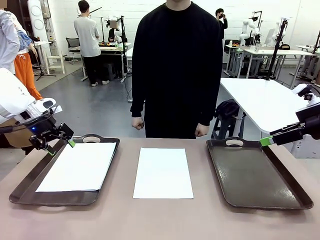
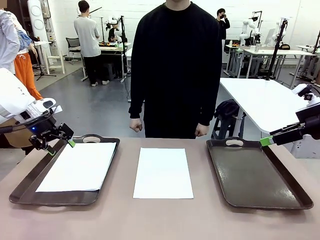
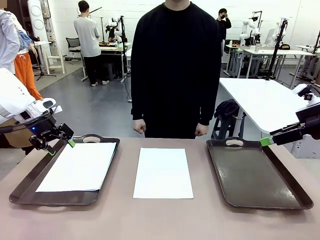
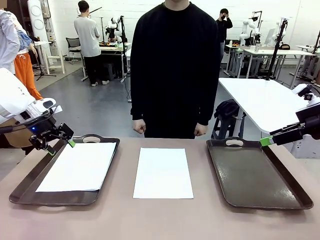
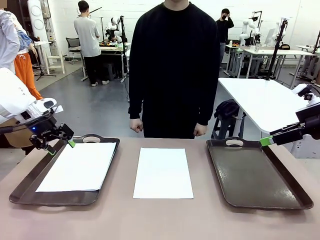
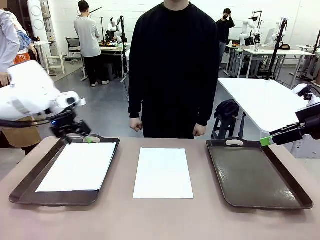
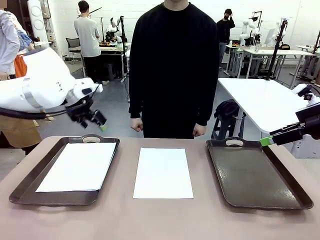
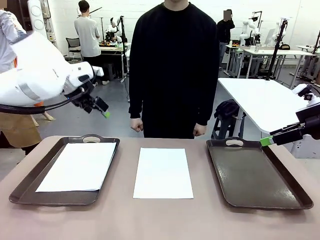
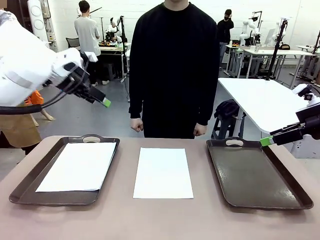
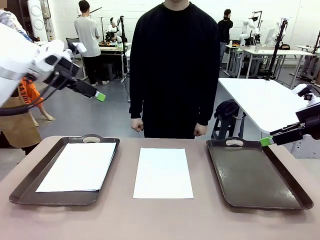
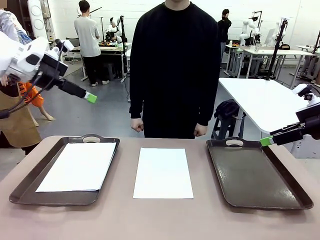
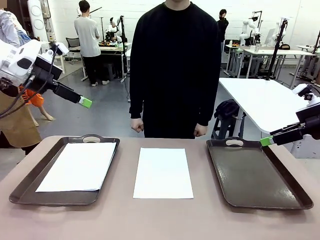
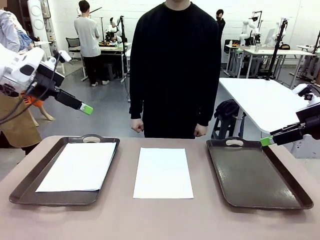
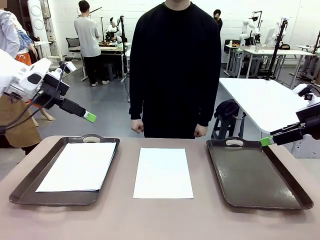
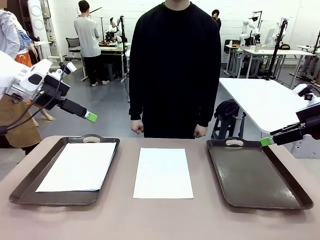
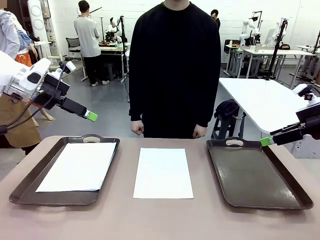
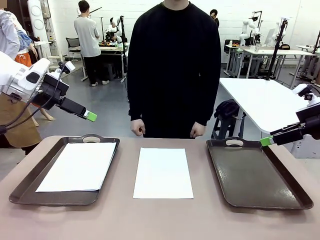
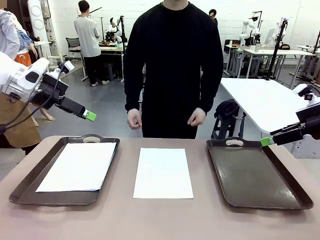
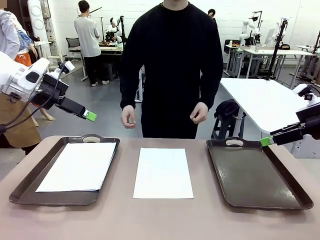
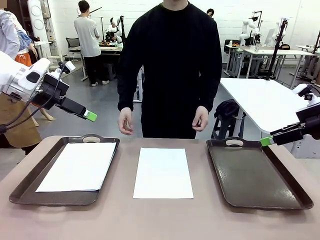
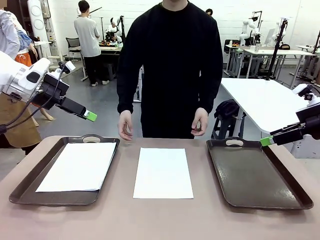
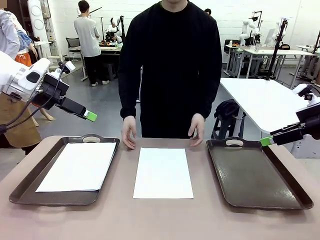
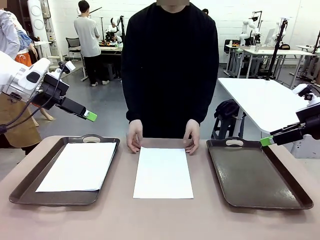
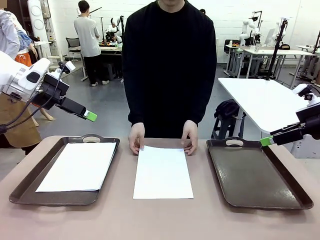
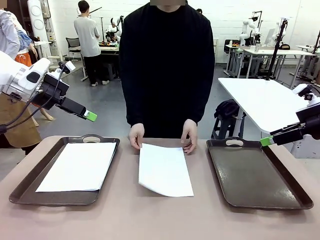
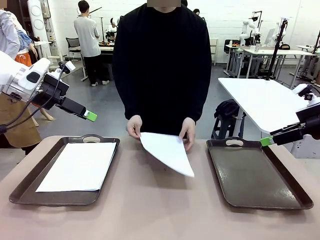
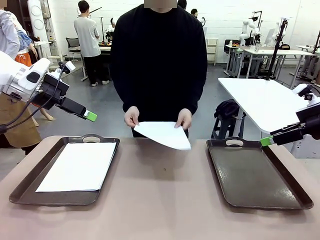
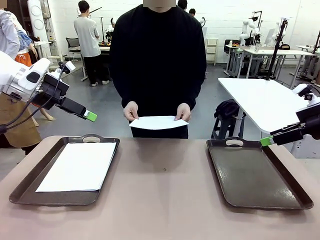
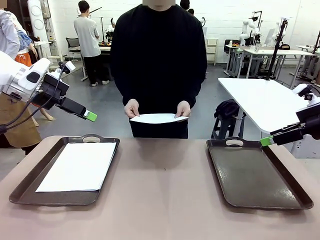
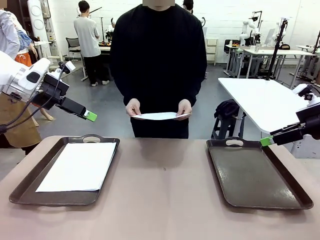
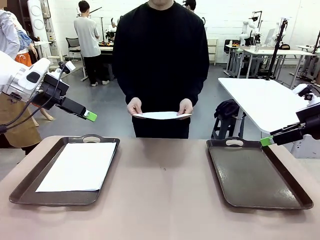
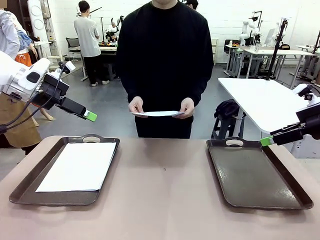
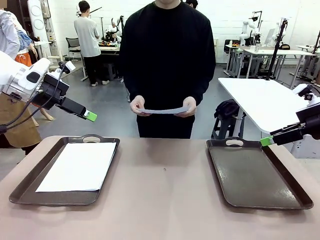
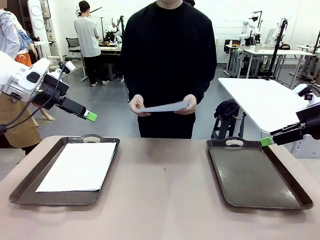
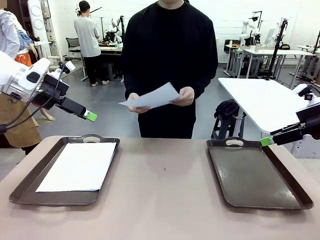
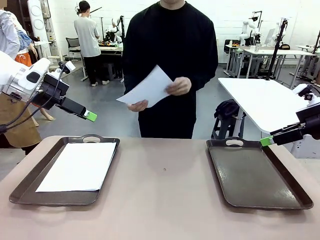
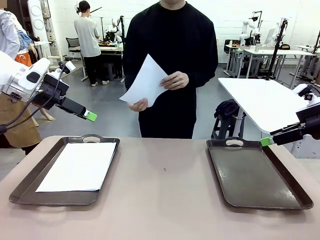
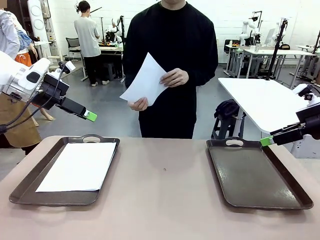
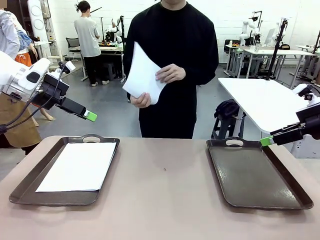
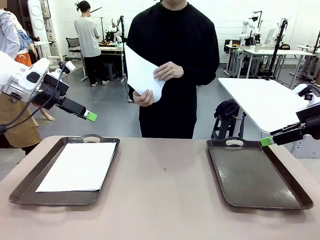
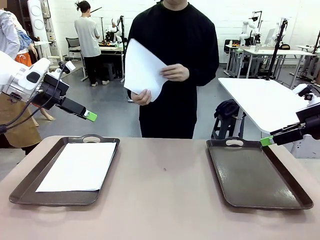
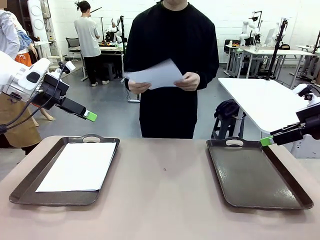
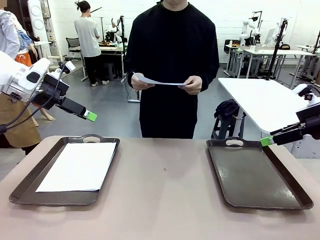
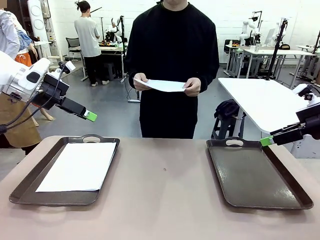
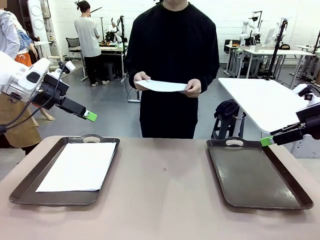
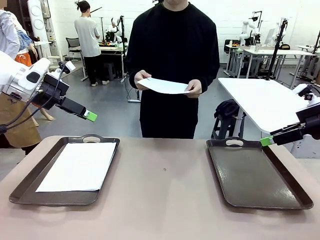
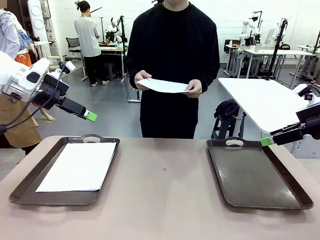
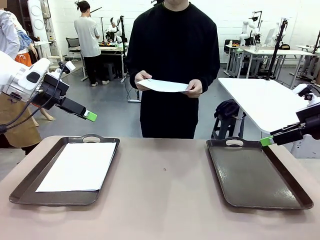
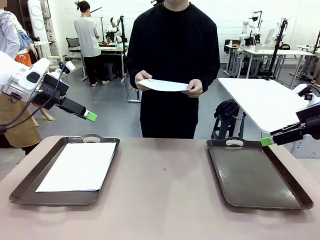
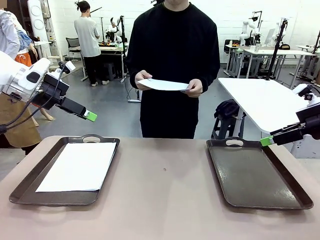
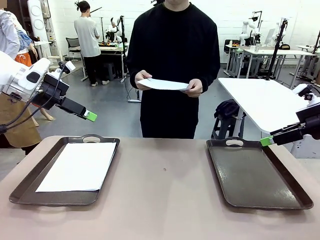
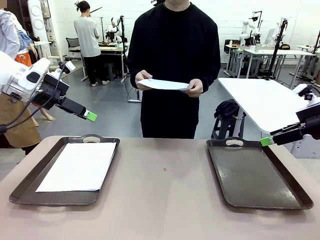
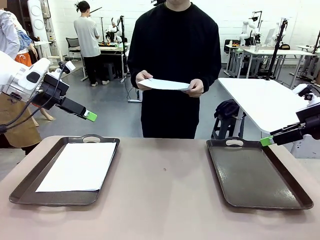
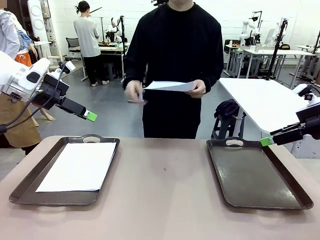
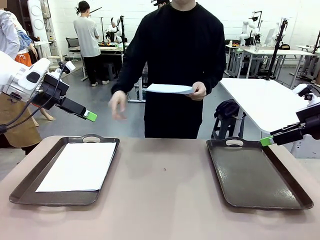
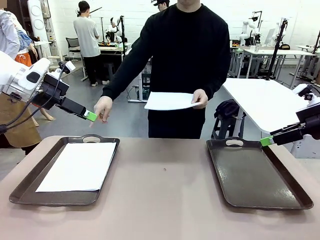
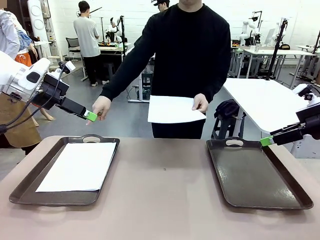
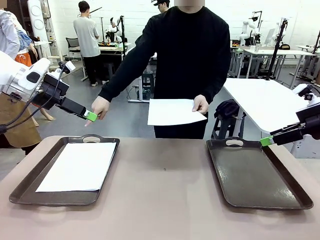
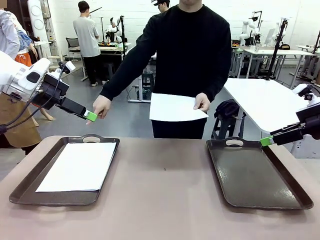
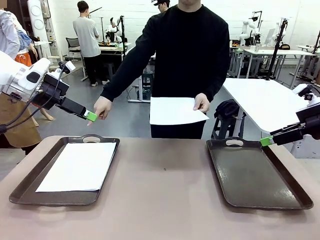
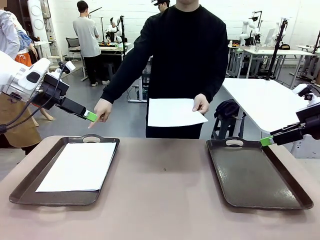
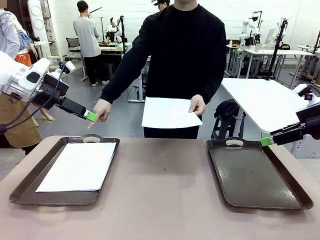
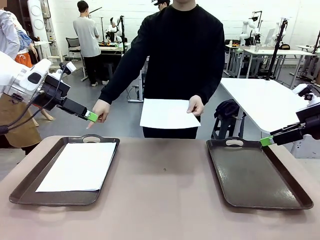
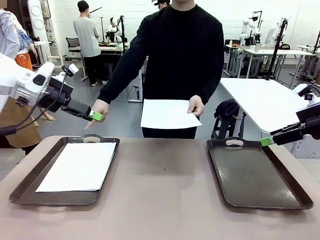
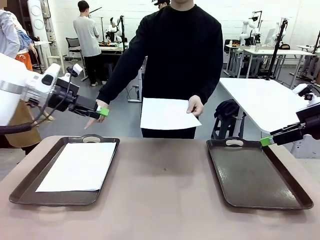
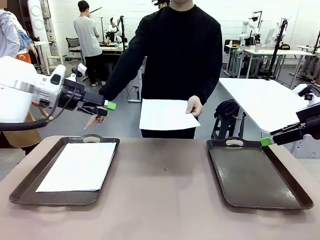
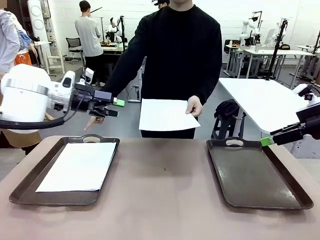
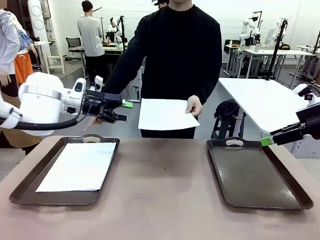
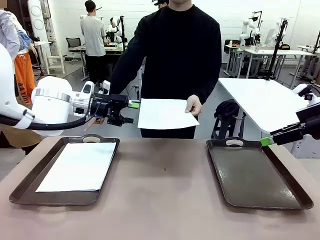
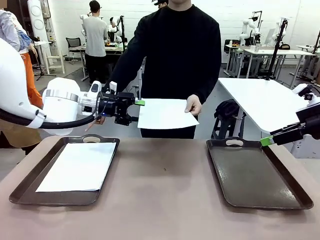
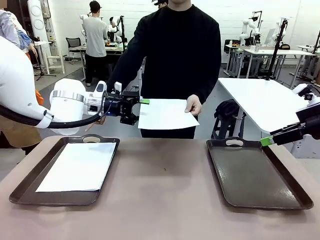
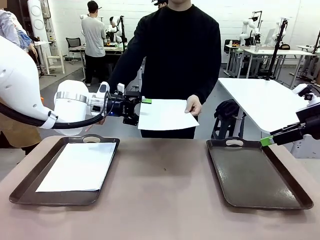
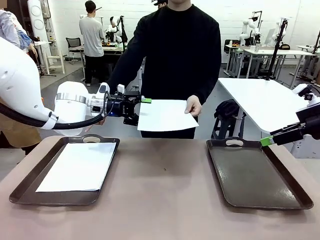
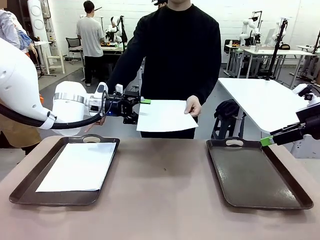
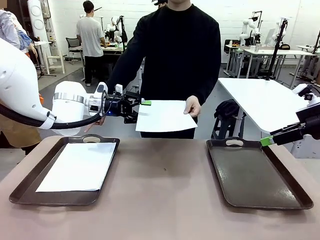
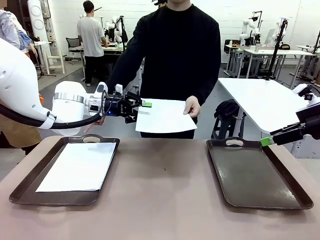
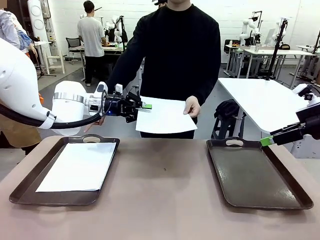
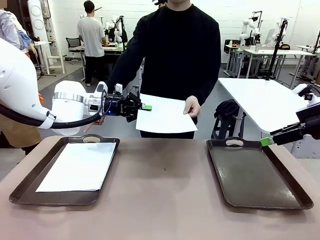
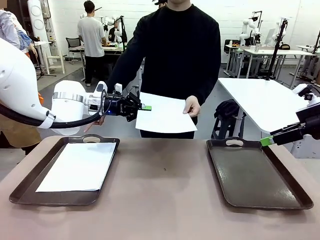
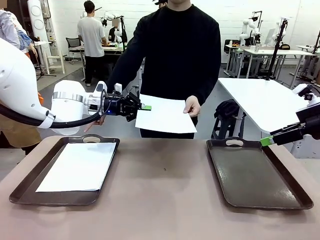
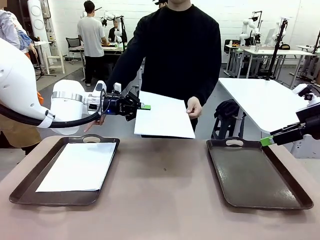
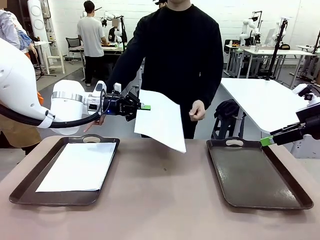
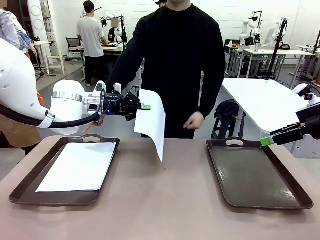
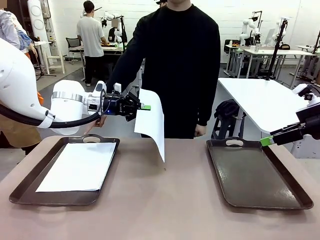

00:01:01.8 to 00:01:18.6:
Task: Sort the A4 documents.
Robot: Receive the A4 Paper.
Person: Point the randomly selected tray with the other hand.

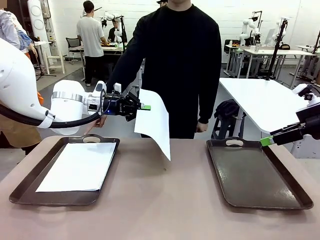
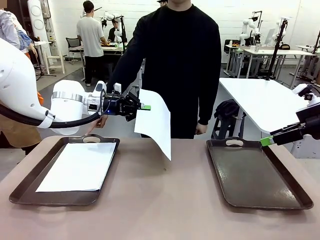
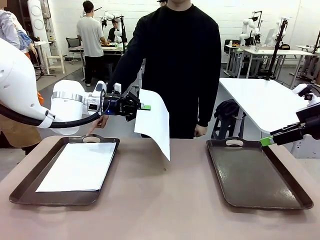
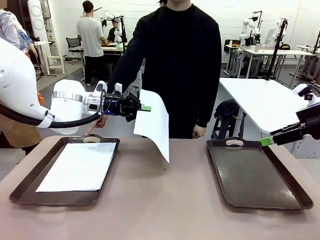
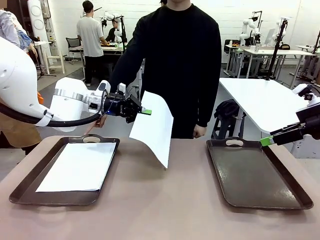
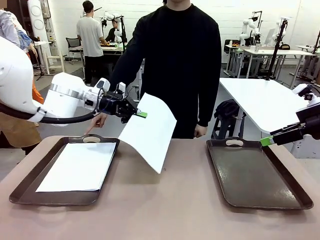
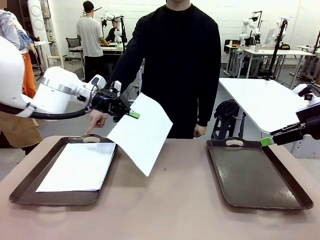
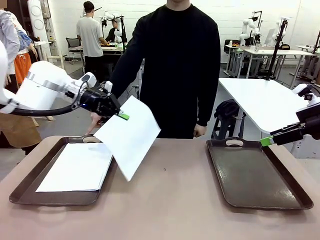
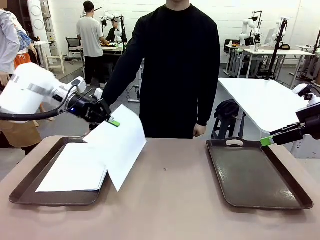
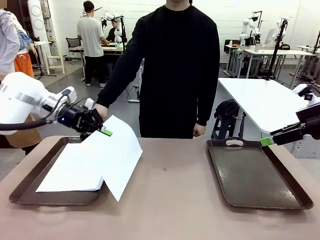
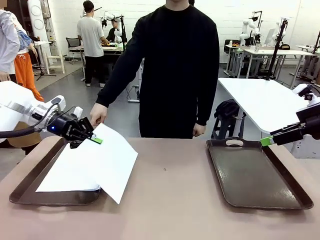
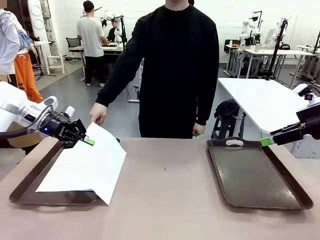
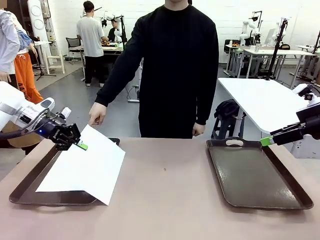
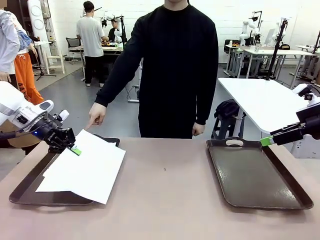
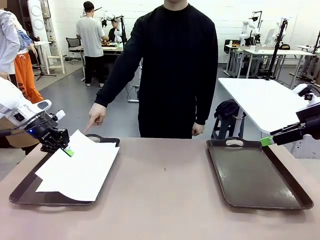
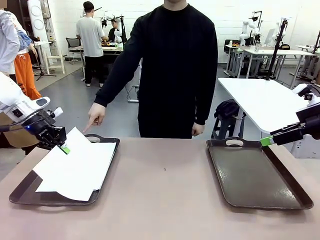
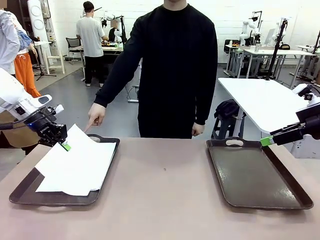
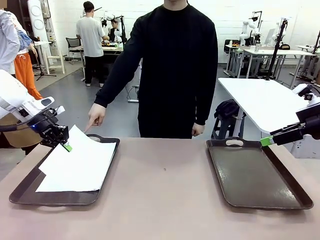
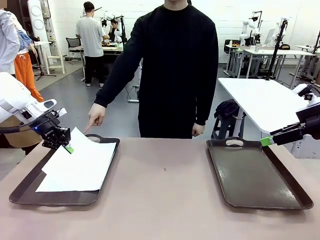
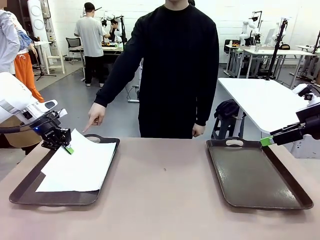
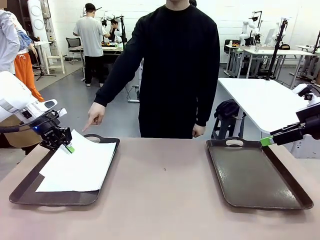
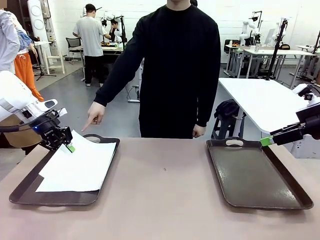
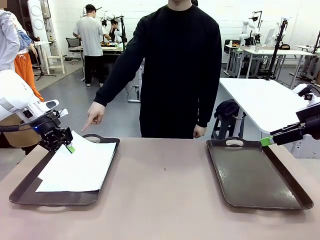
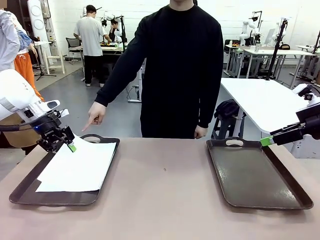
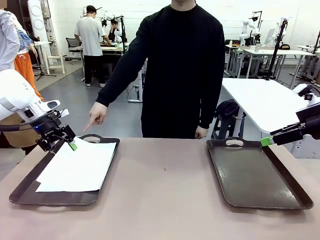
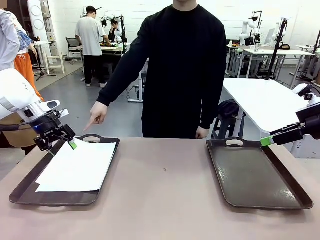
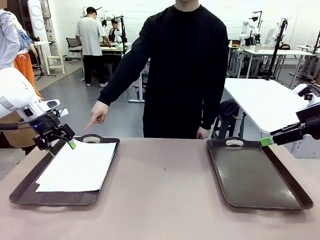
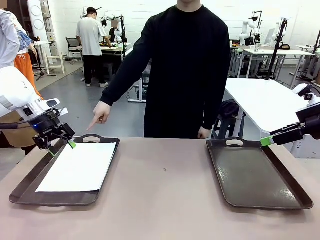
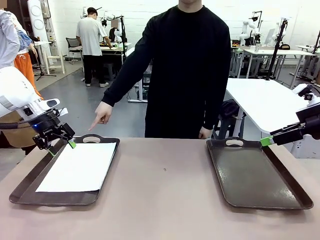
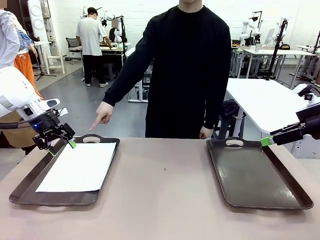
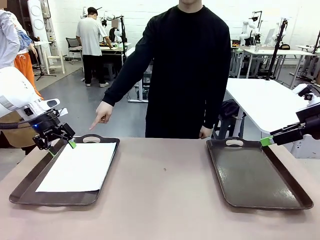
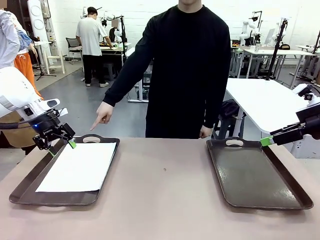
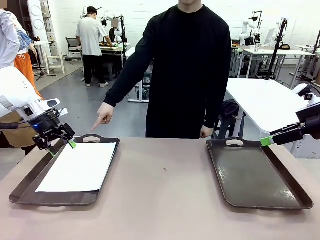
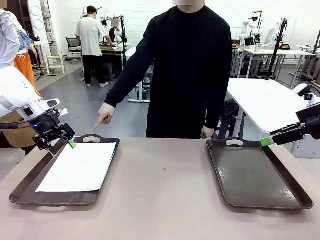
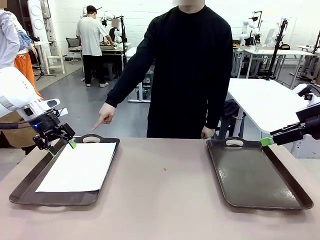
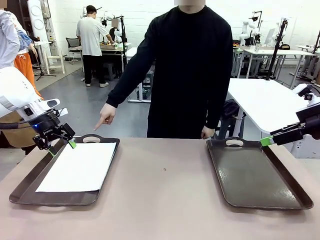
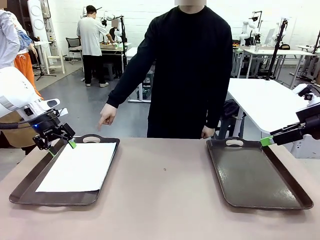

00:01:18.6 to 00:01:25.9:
Robot: Place the A4 Paper in the designated Handle tray.
